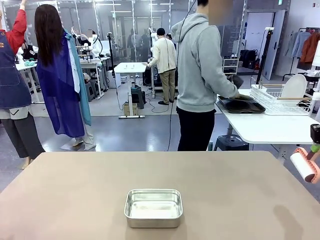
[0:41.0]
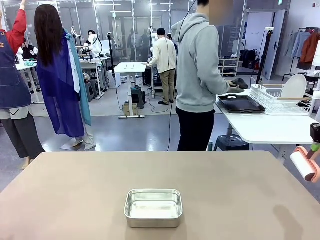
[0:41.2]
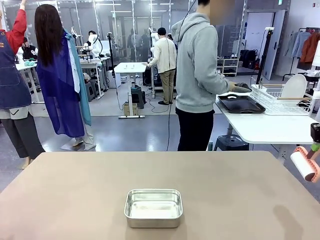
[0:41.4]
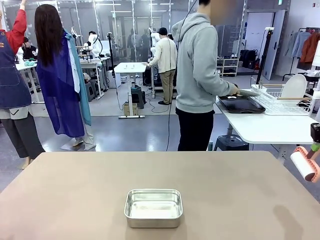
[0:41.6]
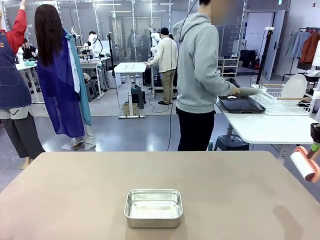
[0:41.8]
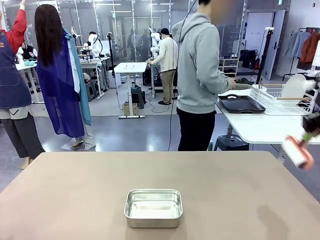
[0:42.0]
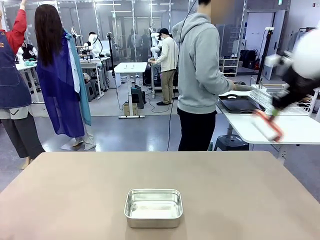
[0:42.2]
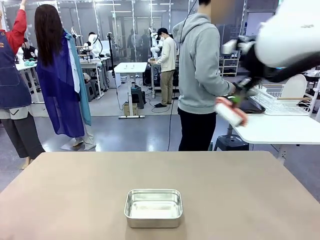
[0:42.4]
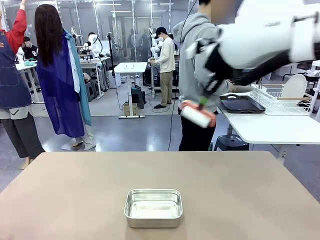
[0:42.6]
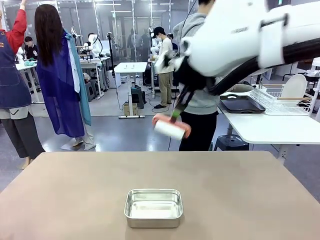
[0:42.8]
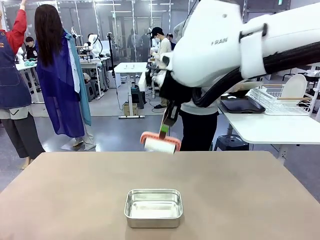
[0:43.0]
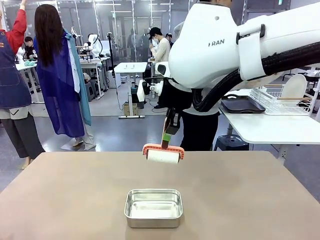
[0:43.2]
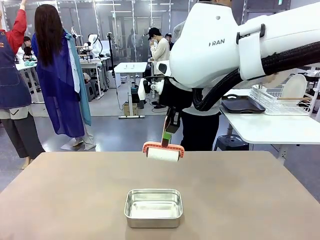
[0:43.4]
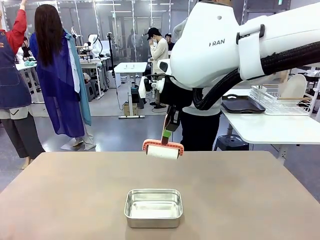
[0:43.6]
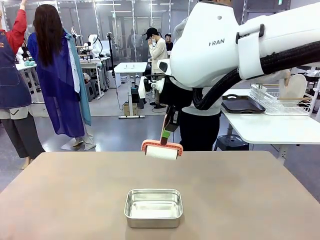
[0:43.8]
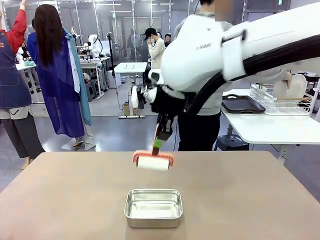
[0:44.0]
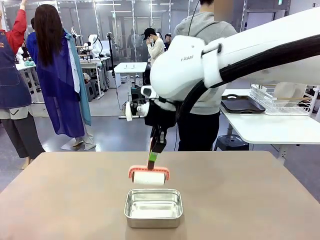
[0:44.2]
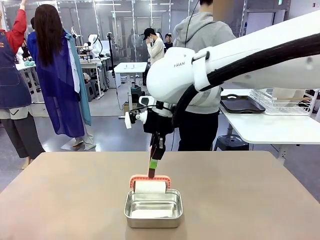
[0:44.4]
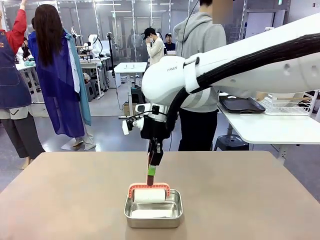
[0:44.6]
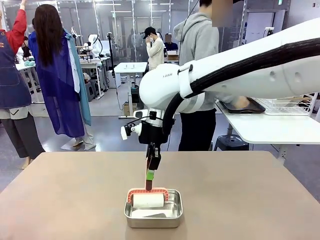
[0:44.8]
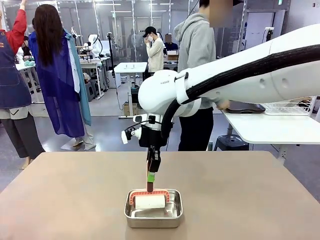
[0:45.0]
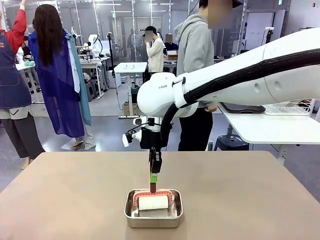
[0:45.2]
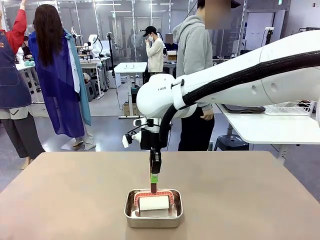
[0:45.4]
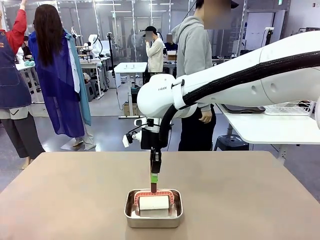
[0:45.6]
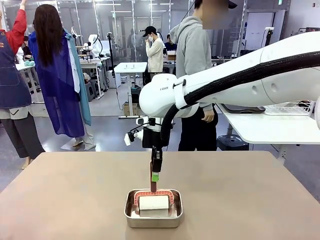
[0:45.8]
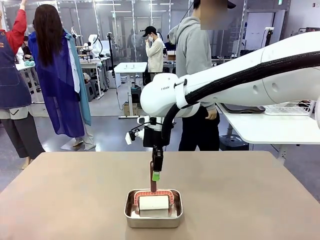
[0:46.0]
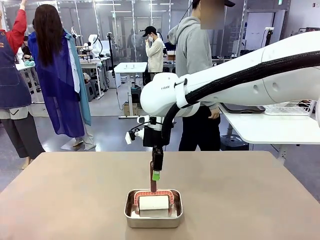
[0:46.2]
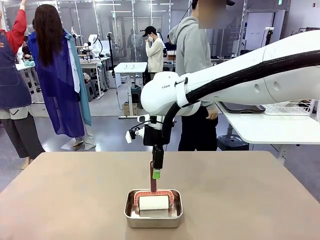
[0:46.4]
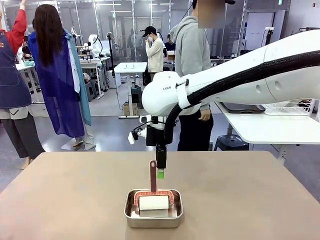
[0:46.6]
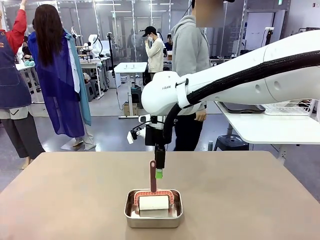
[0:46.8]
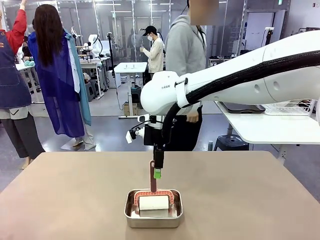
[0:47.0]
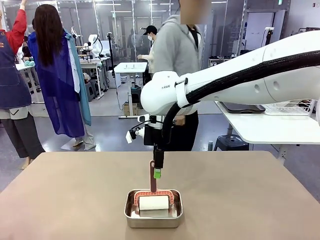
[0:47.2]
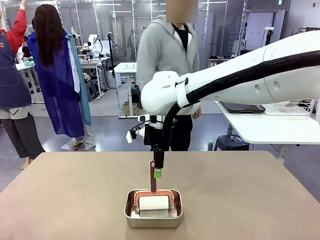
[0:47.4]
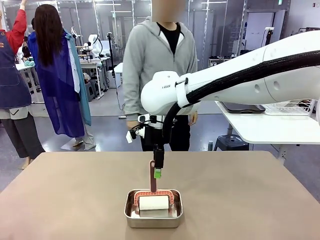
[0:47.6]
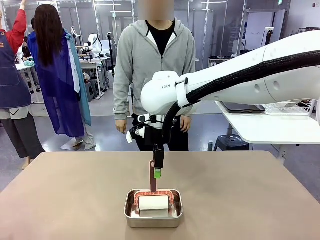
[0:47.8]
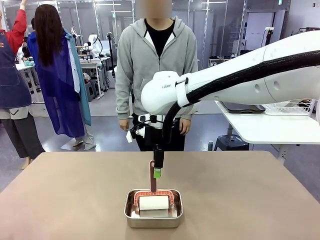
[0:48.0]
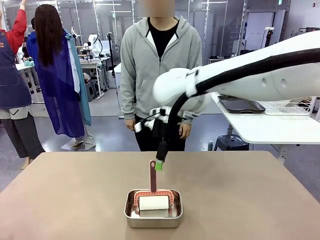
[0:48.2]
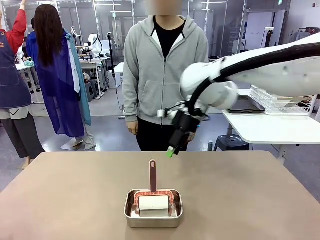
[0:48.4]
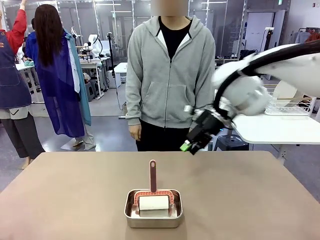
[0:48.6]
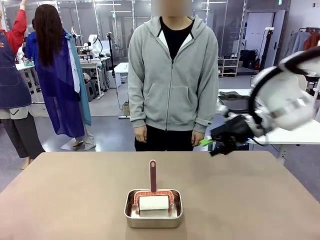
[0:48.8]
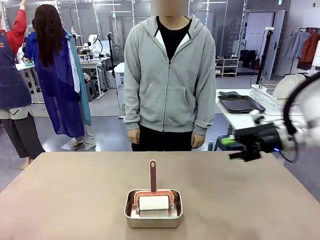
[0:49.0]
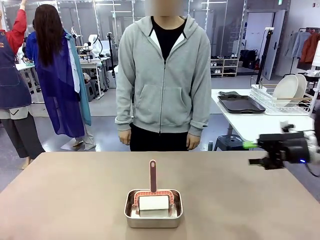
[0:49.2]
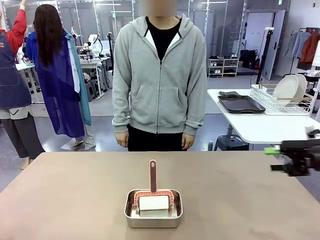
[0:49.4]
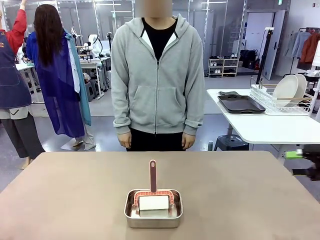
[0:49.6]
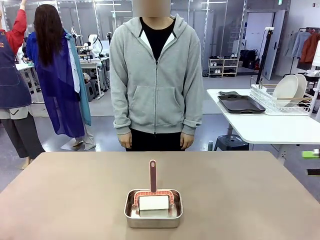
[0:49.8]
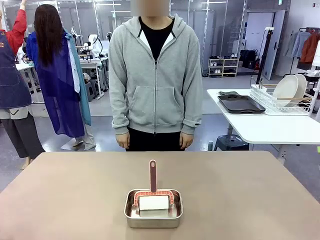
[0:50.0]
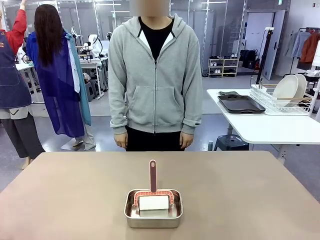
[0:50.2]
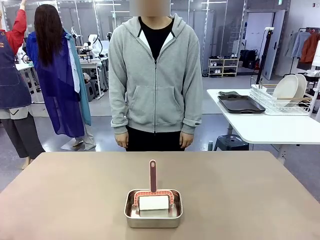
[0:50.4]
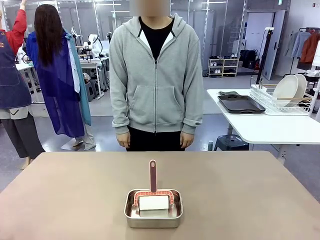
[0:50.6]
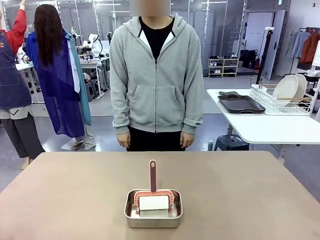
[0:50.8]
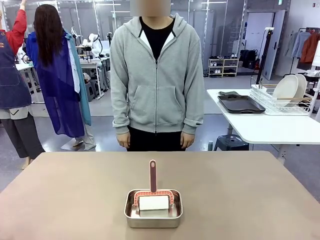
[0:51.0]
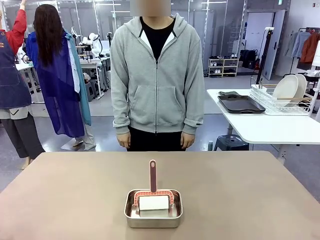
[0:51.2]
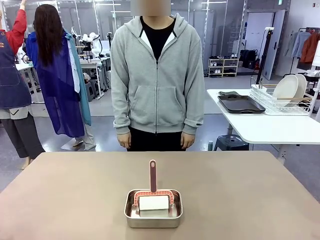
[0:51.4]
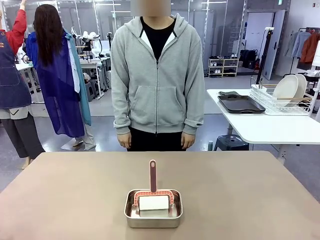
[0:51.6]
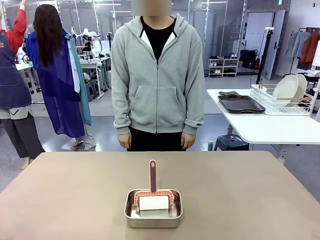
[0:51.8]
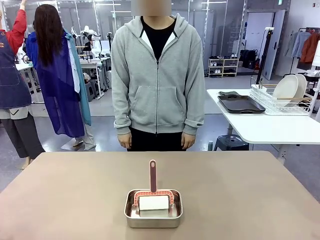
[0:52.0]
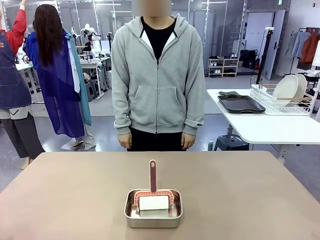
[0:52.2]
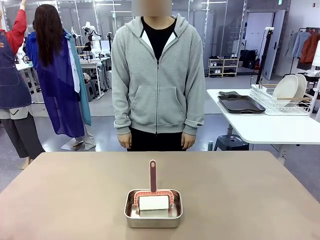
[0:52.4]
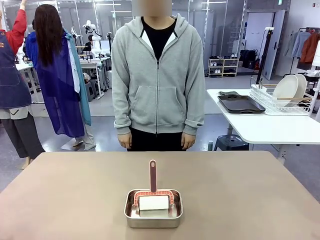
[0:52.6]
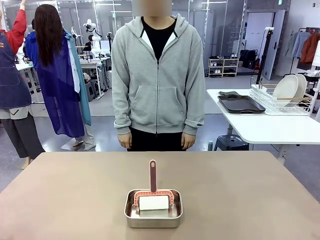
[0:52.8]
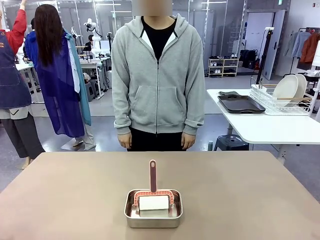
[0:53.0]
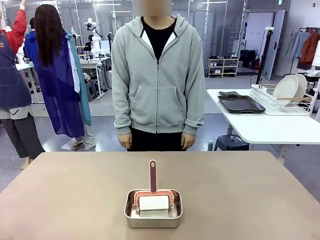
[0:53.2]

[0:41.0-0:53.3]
Robot: Place the Lint Roller back on top of the Airtight Container.
Person: Use the Towel with hook to wipe the Plastic Matte Plate , Fork , and Knife and place into the Dish drying rack.

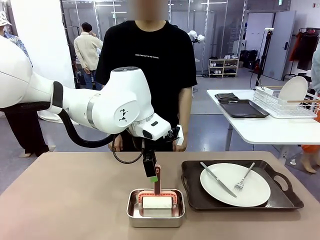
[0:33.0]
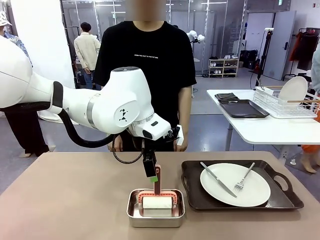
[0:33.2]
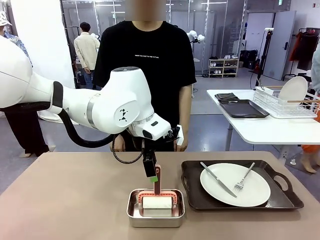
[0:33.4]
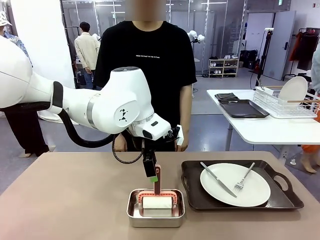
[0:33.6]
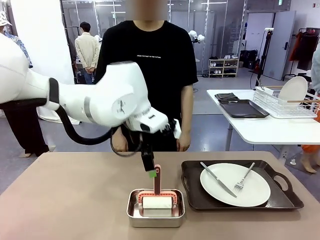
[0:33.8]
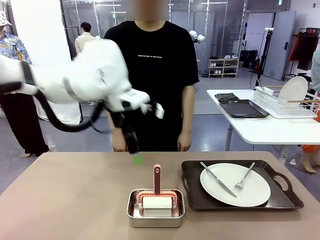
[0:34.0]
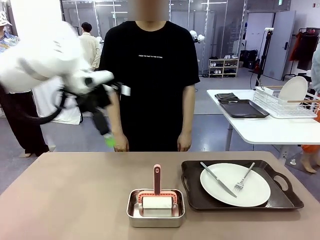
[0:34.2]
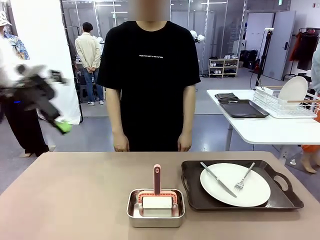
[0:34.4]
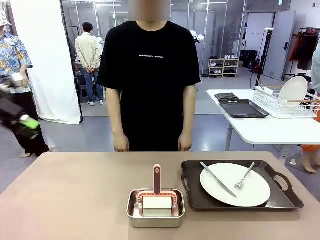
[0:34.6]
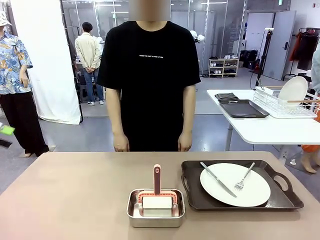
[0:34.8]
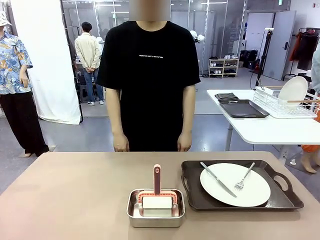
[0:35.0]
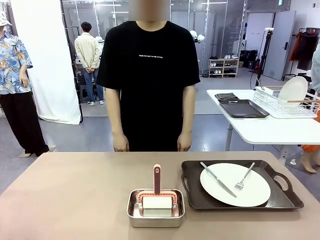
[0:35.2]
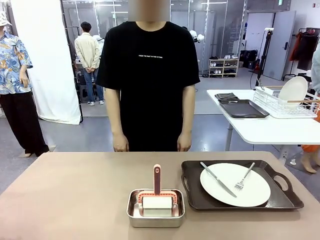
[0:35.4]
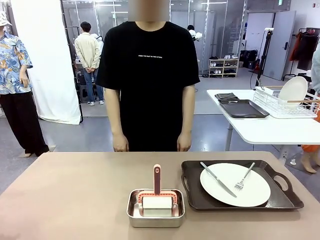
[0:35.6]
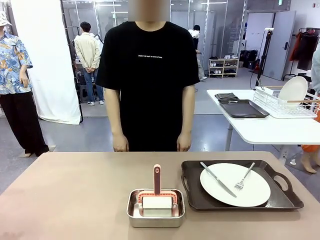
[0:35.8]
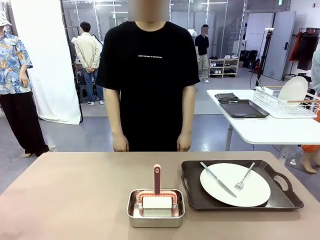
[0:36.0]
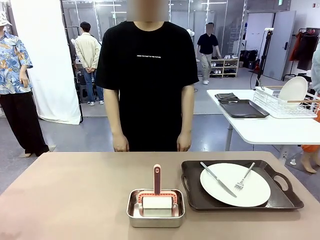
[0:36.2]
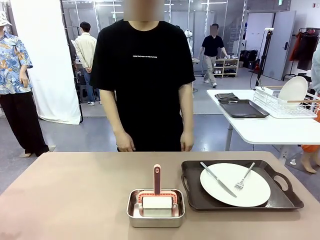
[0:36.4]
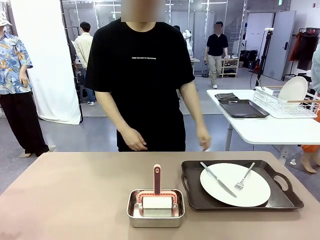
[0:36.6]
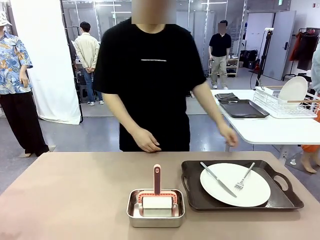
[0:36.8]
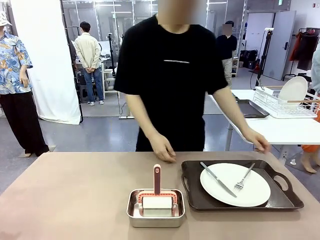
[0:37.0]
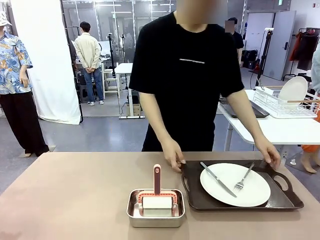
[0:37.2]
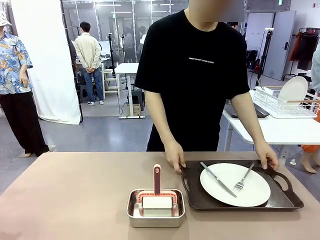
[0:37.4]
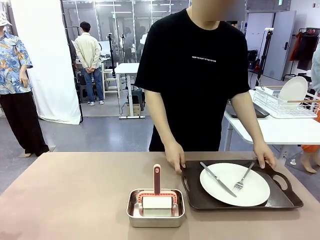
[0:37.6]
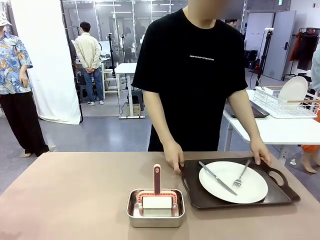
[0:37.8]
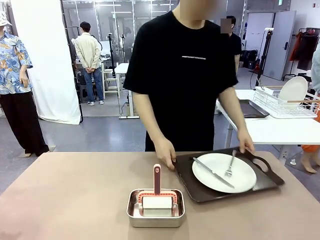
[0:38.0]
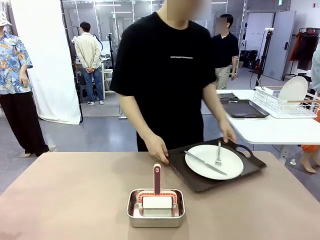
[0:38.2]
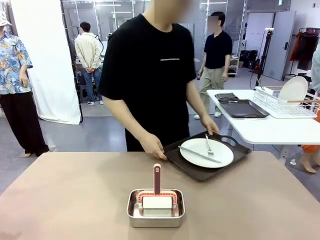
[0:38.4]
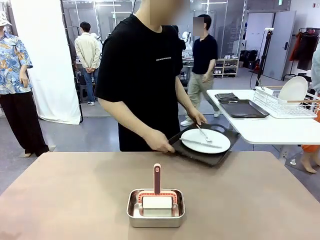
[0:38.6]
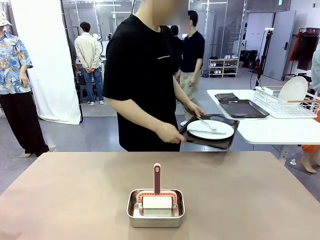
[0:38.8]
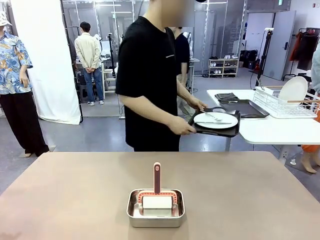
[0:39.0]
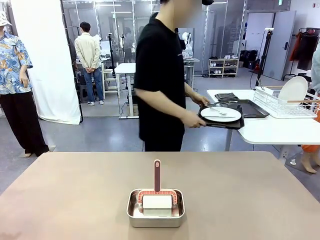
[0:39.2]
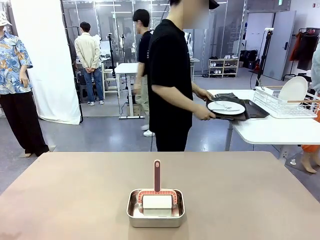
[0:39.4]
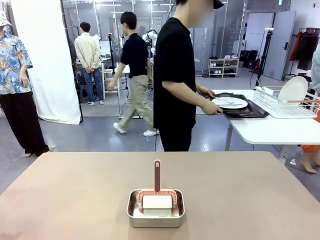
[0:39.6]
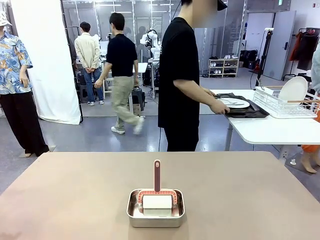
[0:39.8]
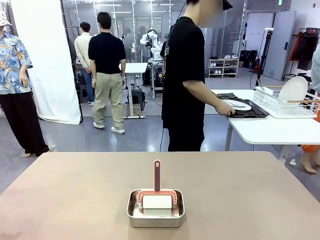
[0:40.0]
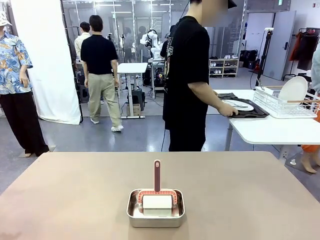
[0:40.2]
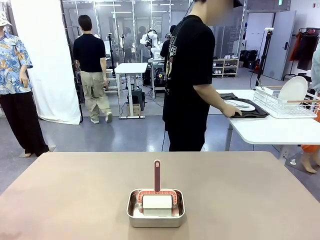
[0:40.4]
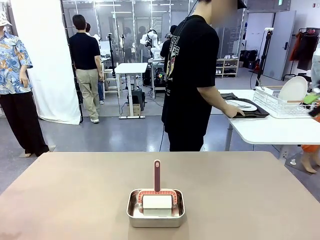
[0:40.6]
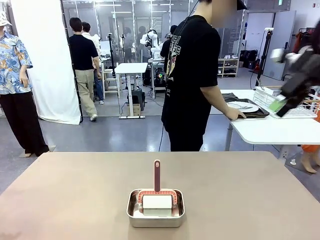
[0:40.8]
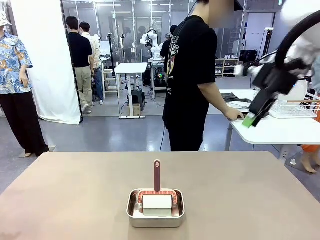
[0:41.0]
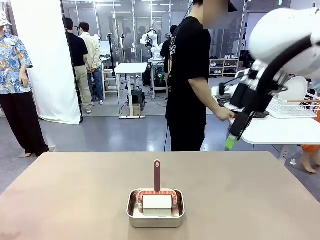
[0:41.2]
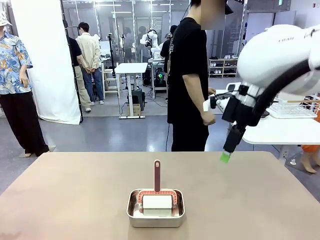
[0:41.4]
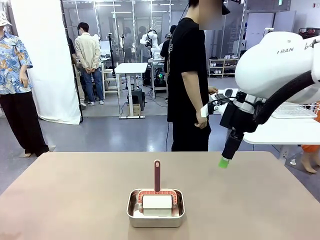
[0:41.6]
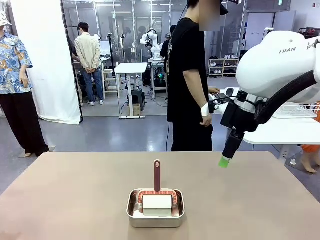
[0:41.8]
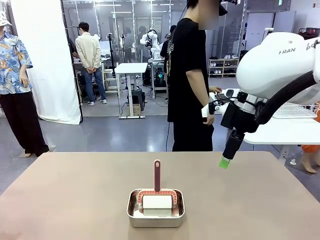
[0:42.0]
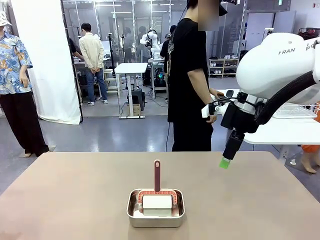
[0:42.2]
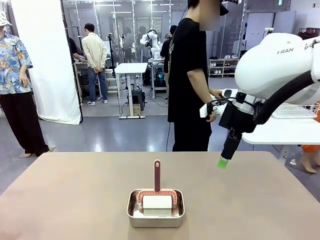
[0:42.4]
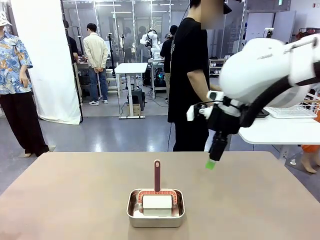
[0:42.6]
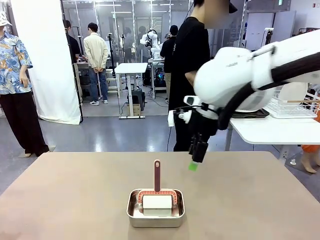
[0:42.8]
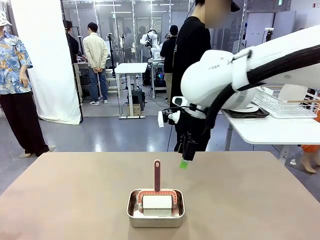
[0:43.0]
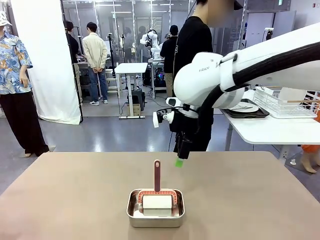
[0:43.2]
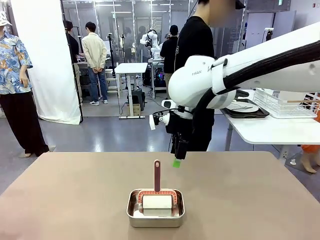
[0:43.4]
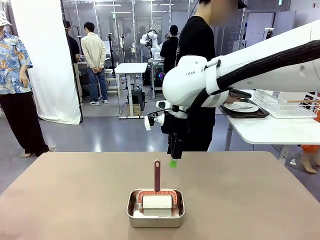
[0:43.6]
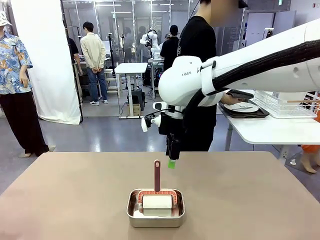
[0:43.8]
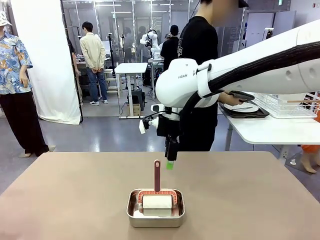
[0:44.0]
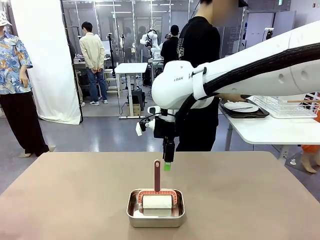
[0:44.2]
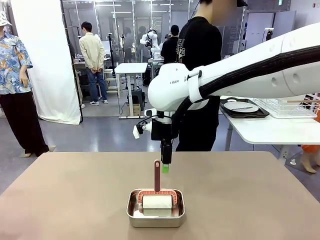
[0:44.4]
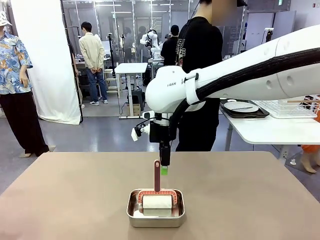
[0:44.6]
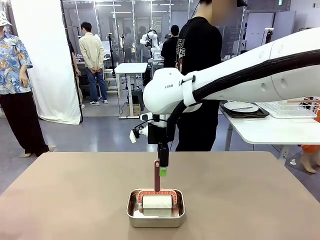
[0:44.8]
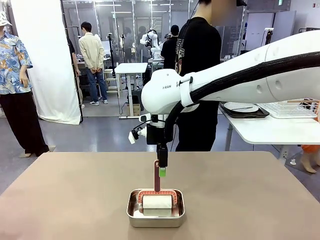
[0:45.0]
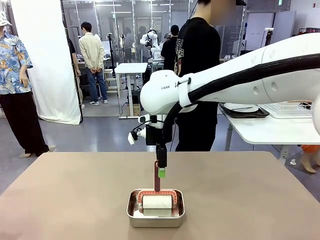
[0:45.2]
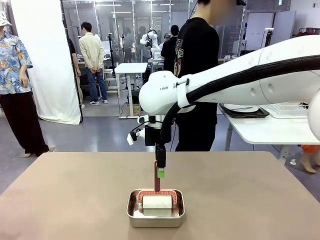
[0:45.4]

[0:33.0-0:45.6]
Robot: When the right (or left) Handle tray is removed, use the right hand (or left hand) to clean the right (or left) side of the table with the Lint Roller.
Person: Pick up the left (or right) Handle tray and place it on the Handle tray.
